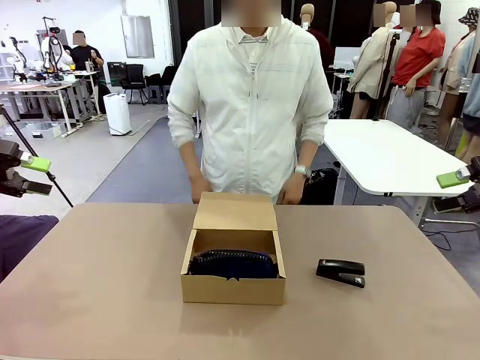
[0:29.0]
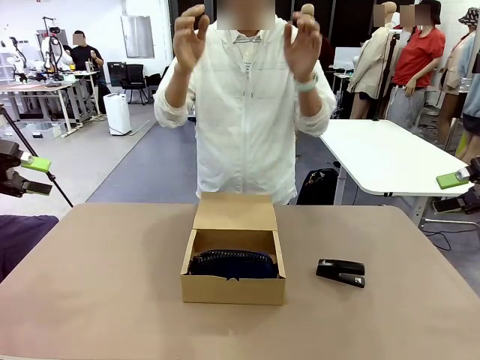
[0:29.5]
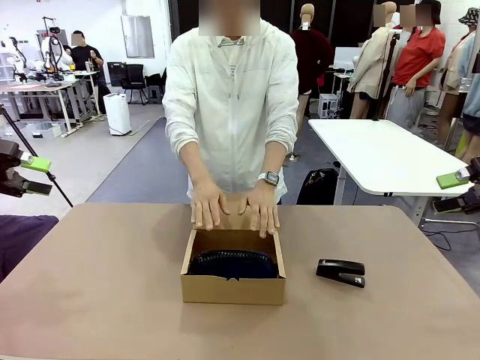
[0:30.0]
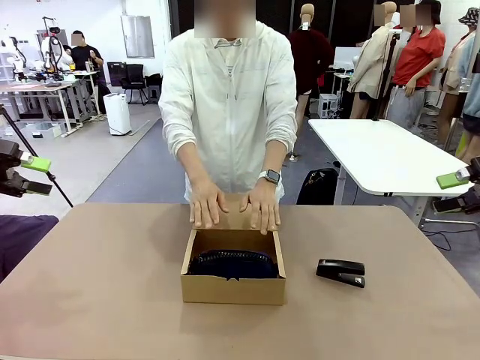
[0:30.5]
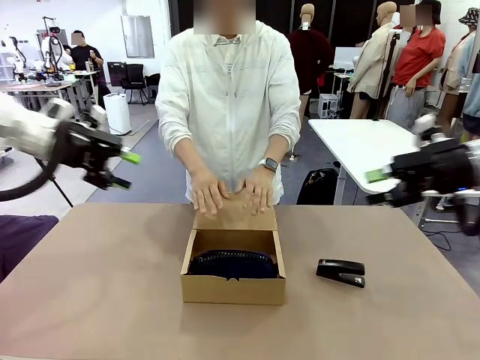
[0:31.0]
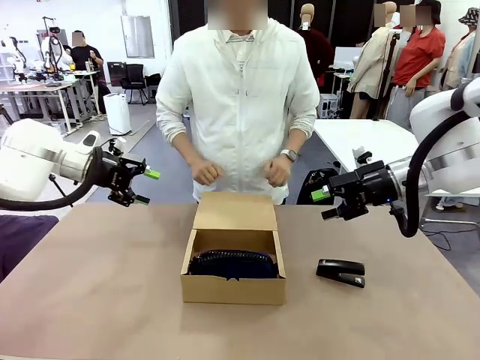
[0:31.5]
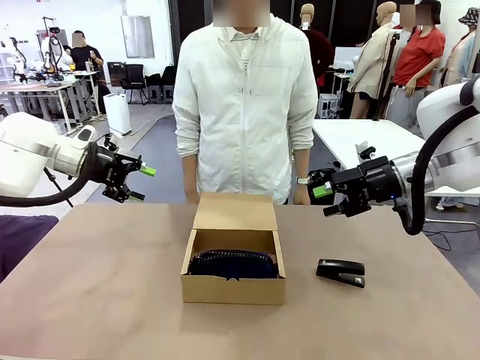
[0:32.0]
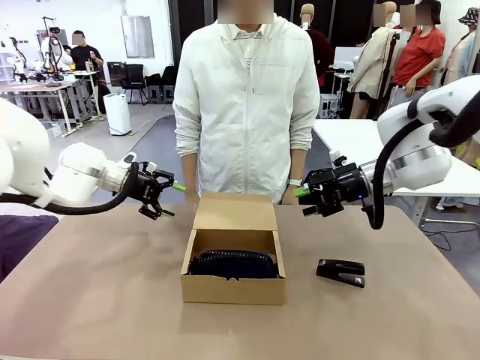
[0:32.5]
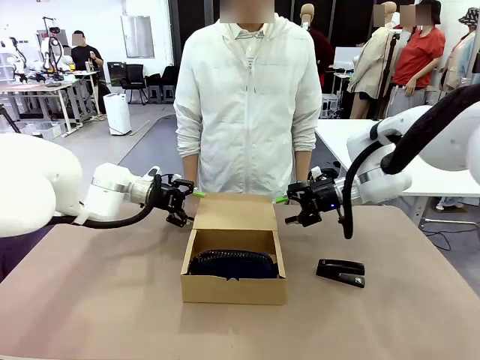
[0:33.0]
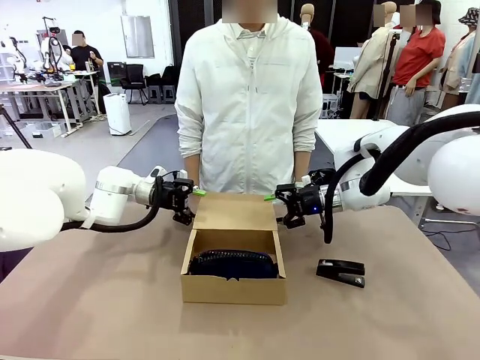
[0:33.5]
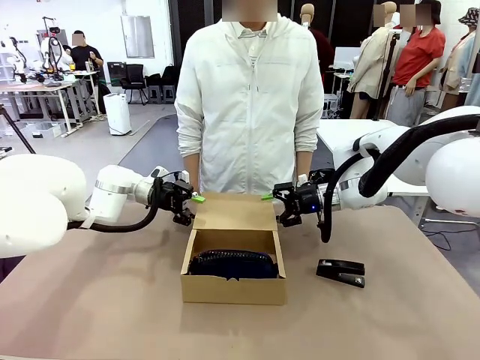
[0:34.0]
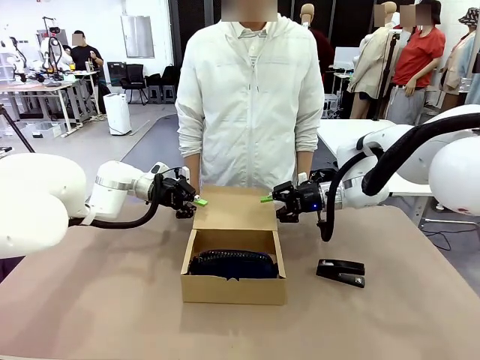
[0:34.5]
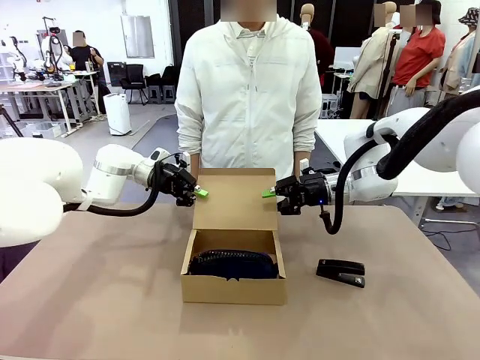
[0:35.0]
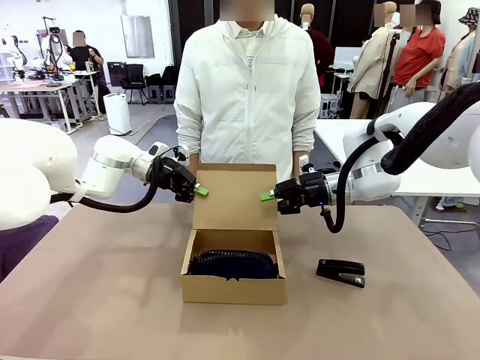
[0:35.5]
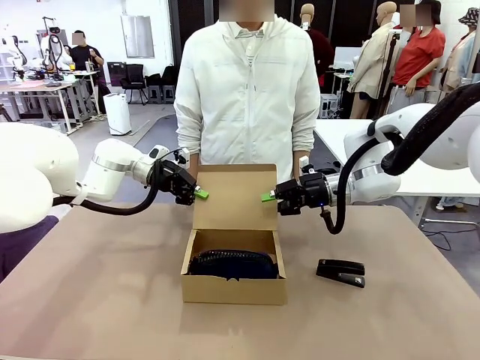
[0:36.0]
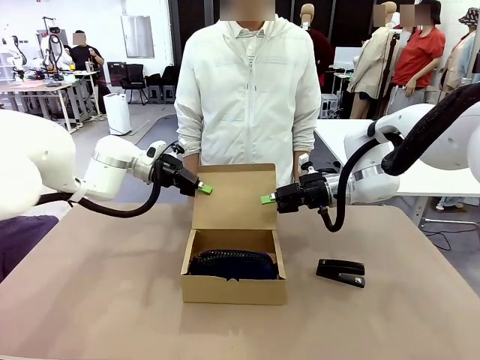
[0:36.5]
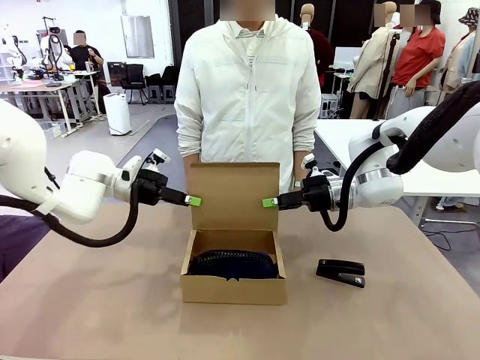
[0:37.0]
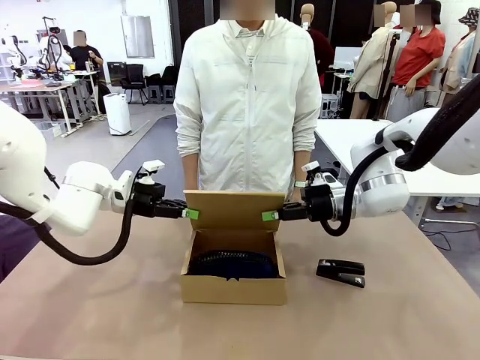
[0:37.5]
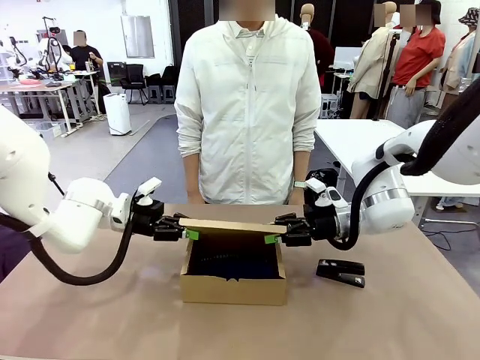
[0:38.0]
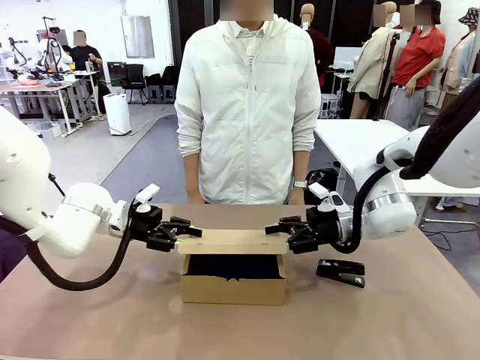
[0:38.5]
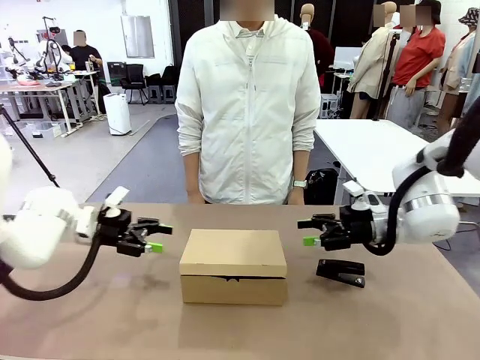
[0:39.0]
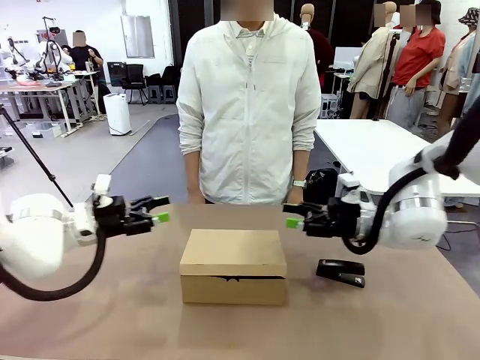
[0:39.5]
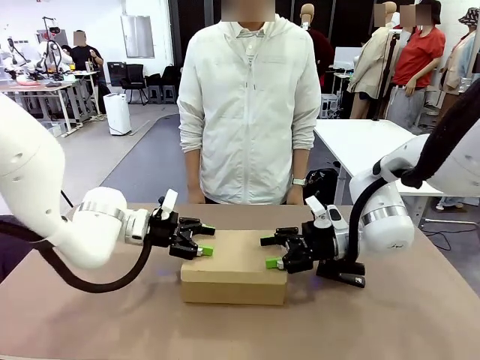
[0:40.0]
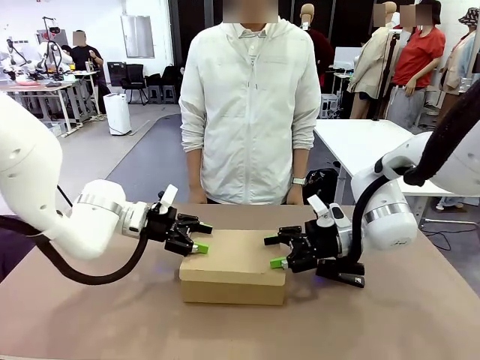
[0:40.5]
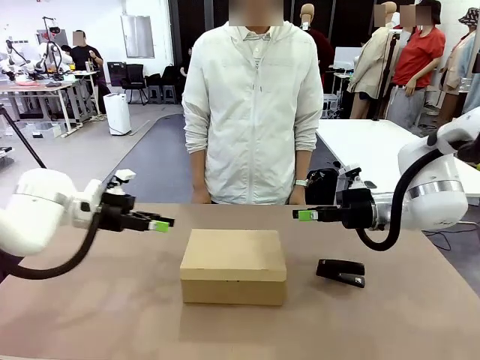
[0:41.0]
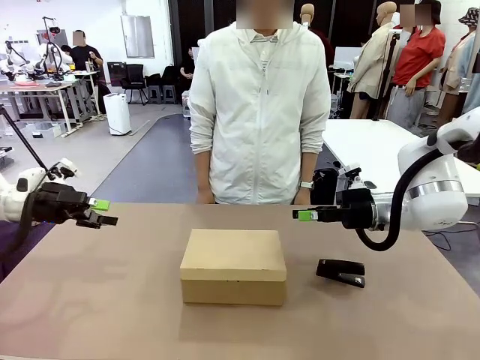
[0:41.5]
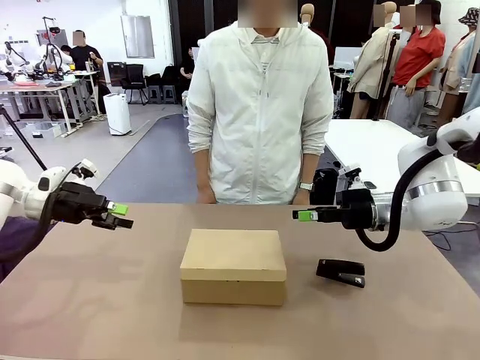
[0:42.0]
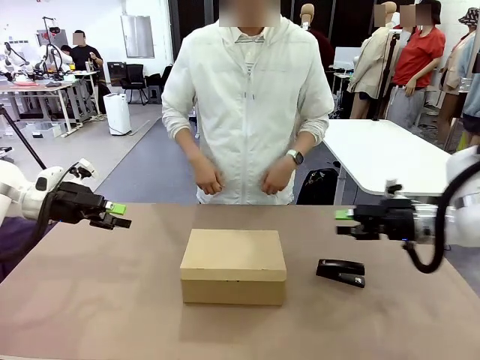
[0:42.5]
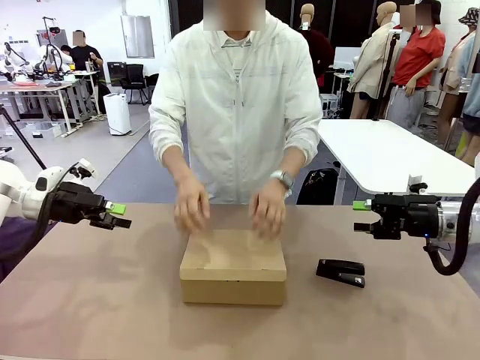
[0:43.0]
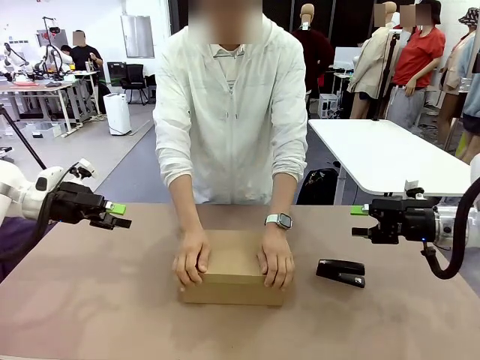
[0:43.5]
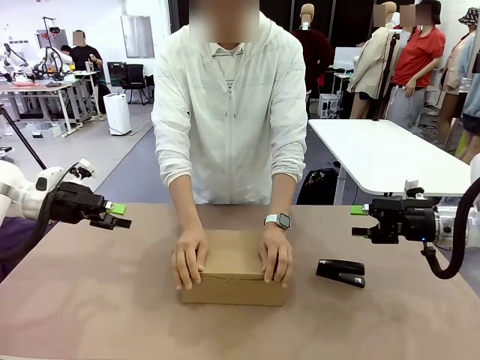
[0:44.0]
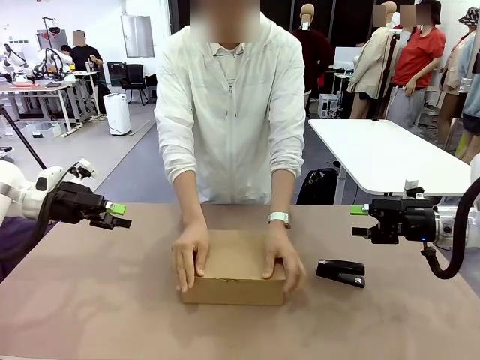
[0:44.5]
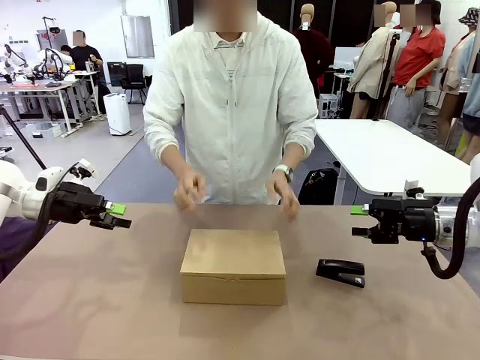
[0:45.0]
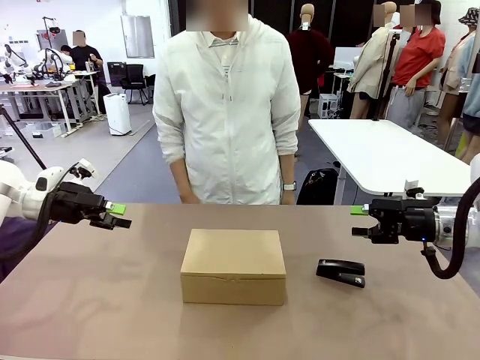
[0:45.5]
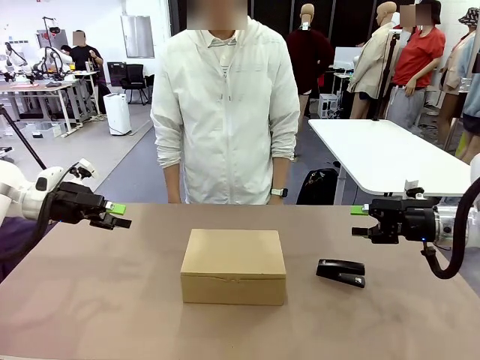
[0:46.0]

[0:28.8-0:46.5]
Task: Pack the items into the box.
Robot: Close the Mailer Box.
Person: Turn the box and lock it.
